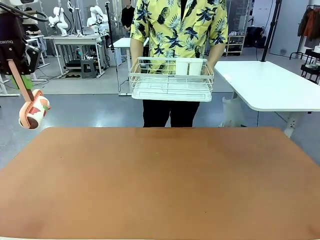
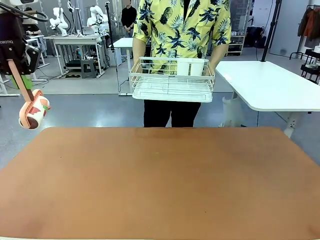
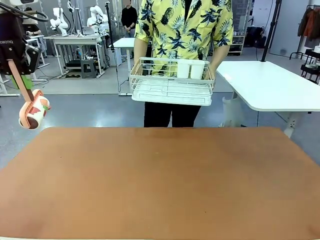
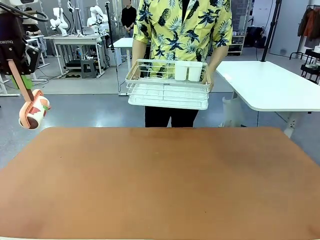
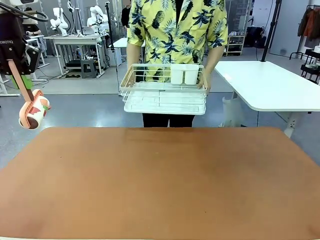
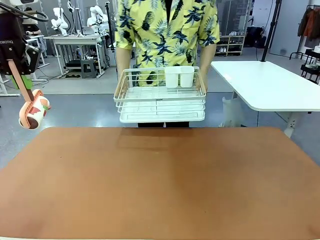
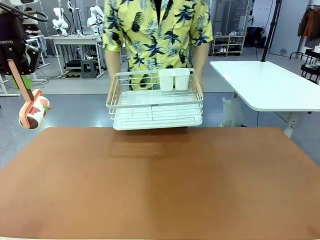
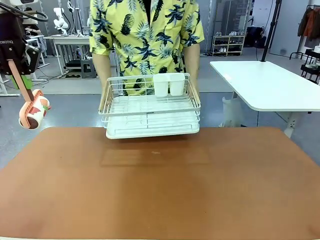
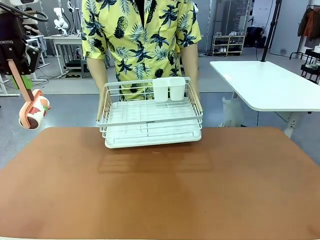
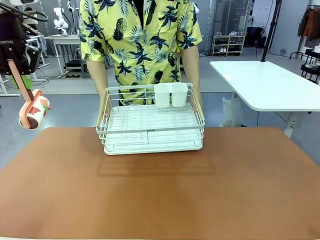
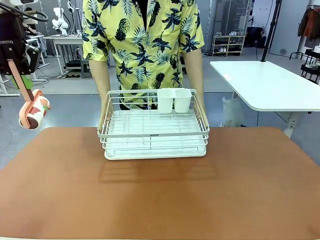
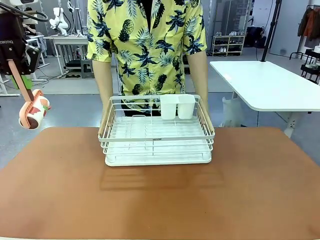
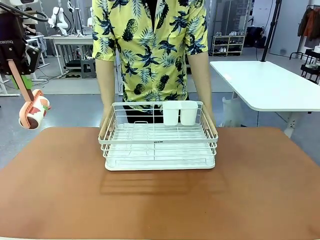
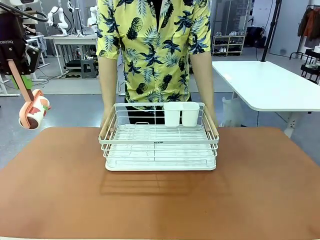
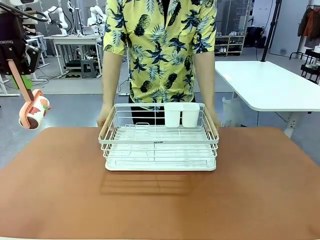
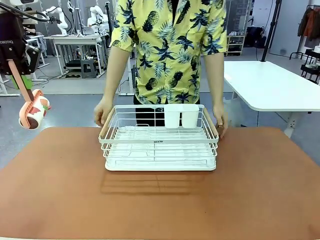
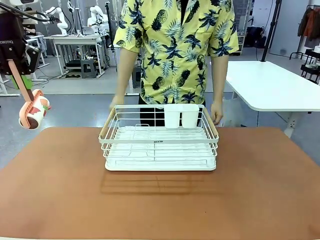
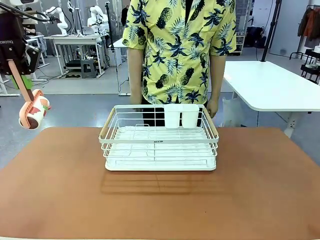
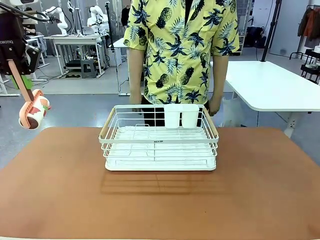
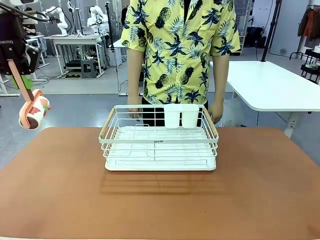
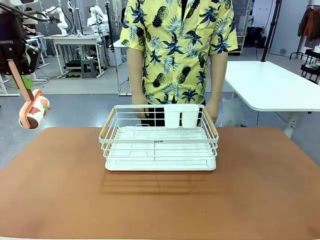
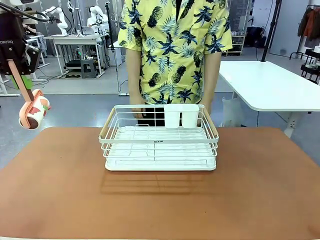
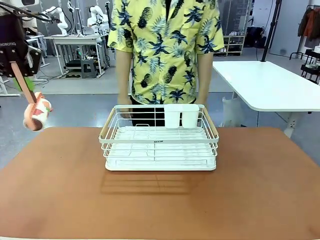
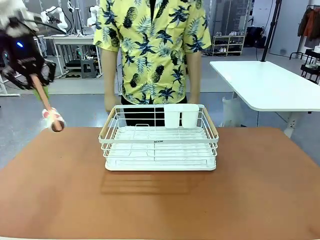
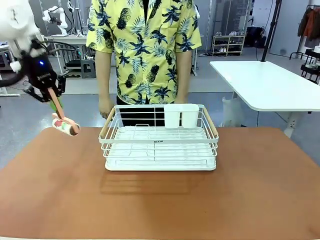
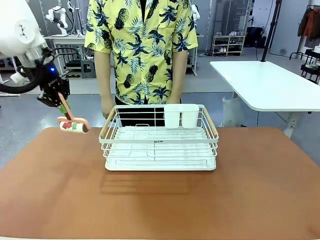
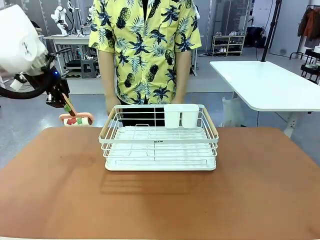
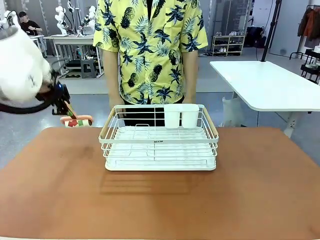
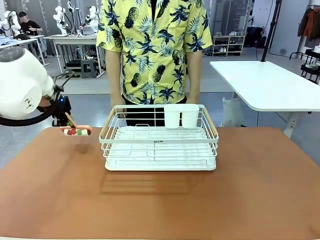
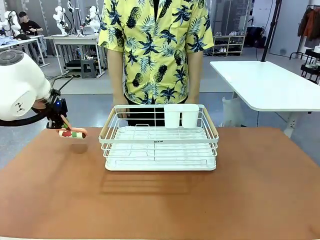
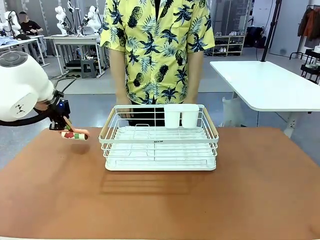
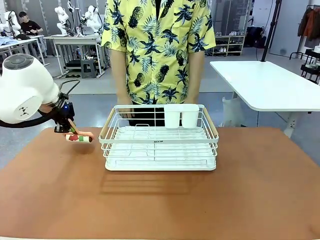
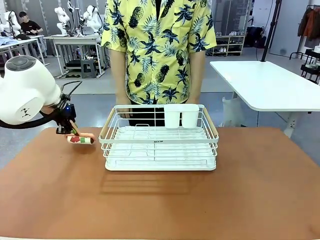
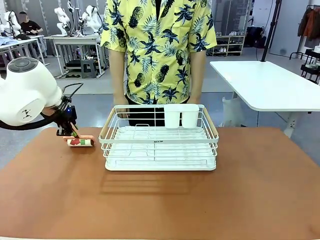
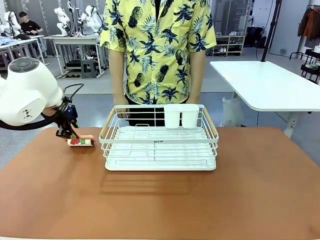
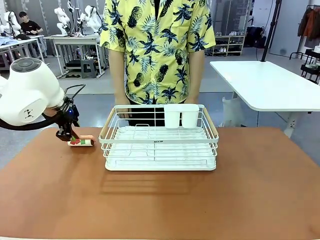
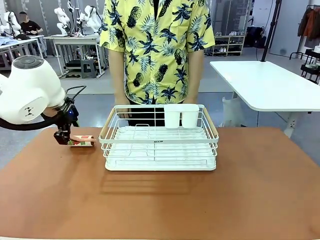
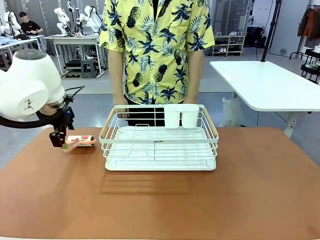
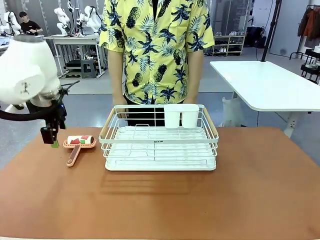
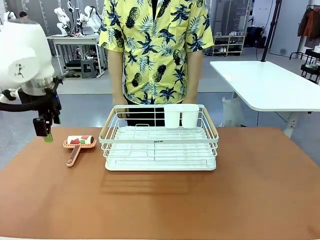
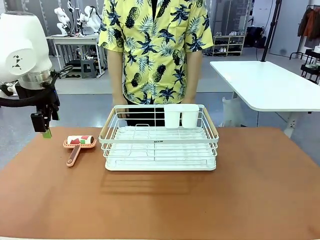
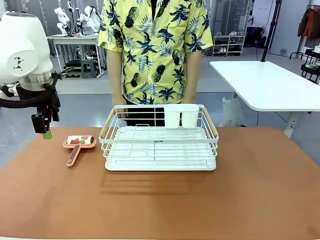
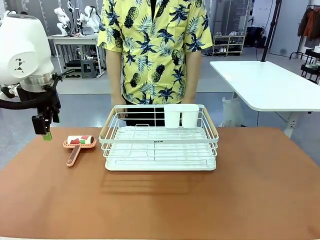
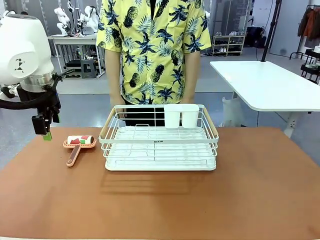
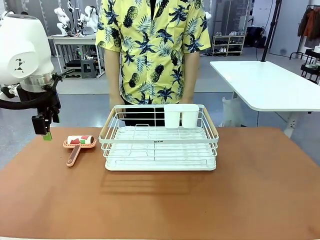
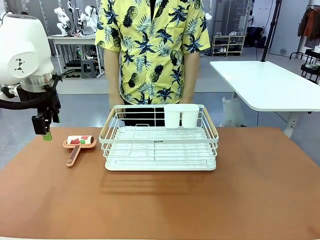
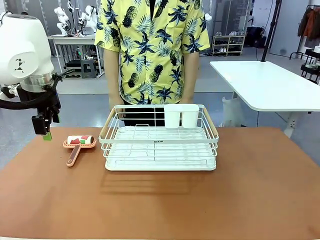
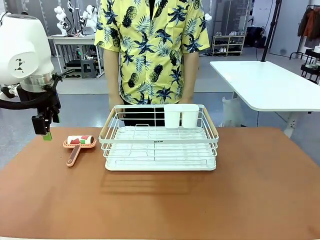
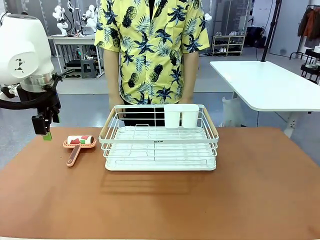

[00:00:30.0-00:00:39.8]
Task: Clean the table.
Robot: Place the Lint Roller down when the Dish drying rack is positioned in the middle of the table.

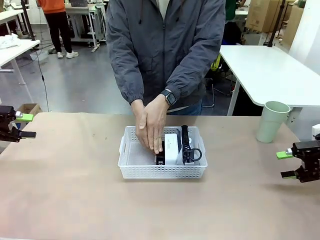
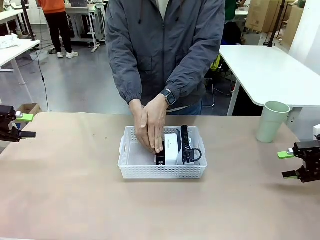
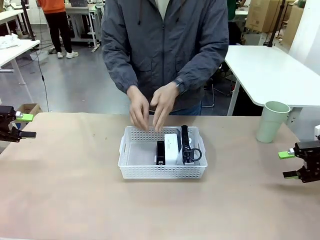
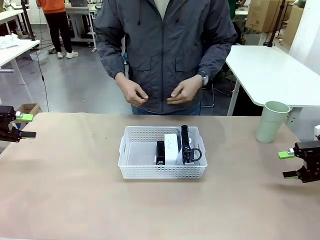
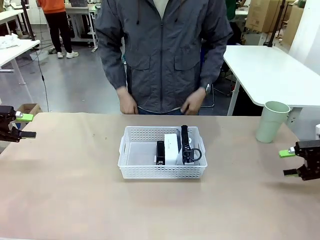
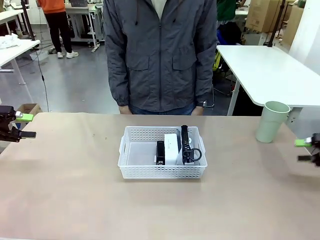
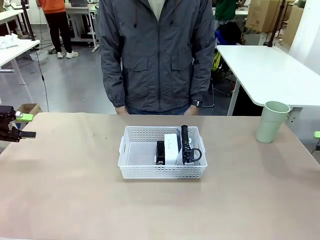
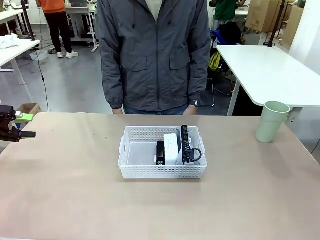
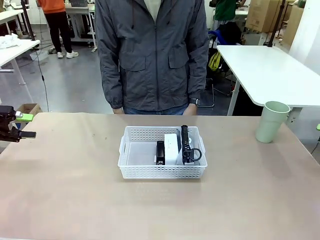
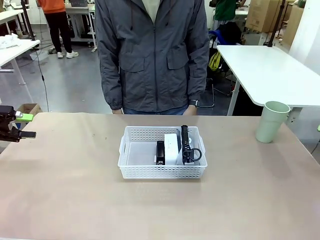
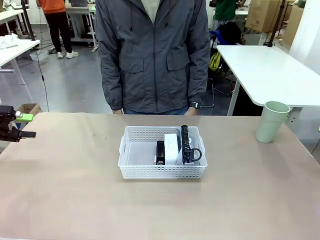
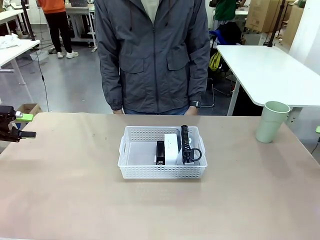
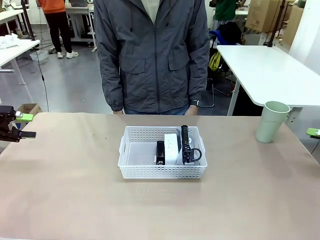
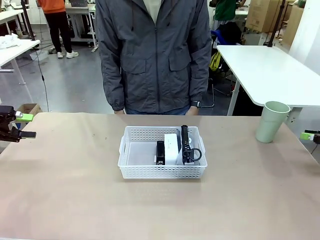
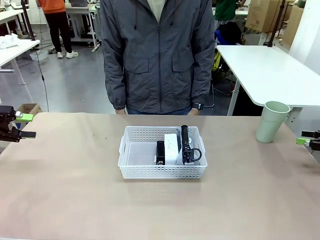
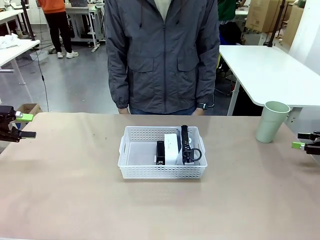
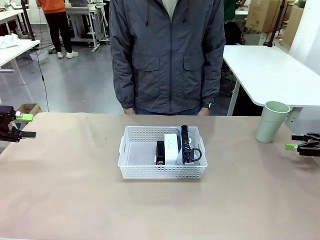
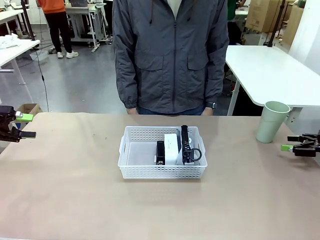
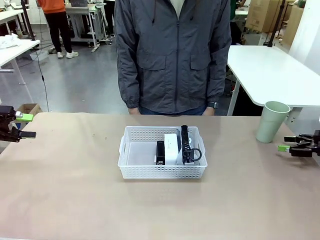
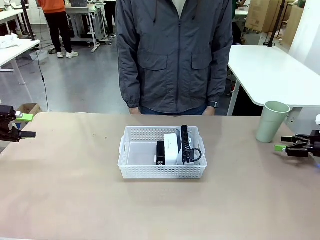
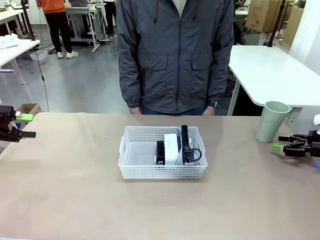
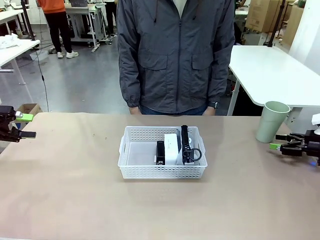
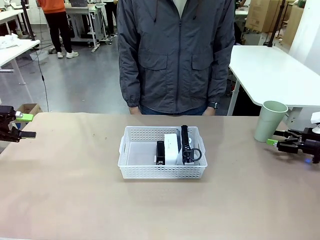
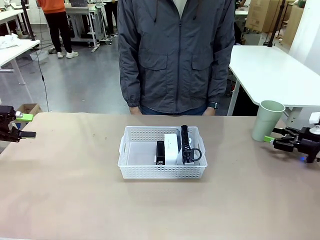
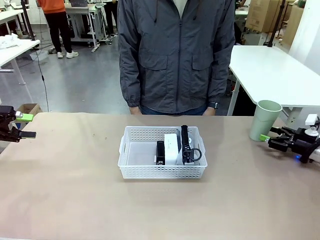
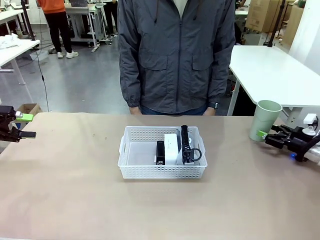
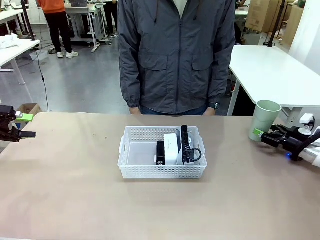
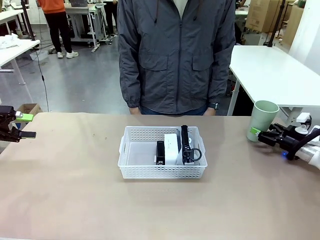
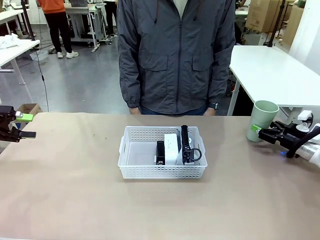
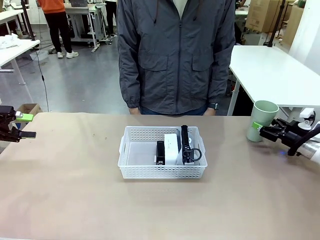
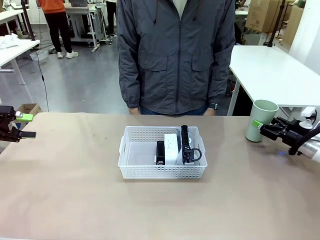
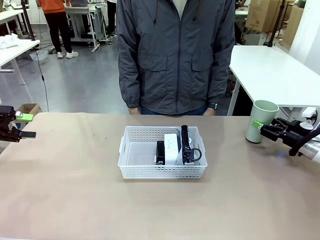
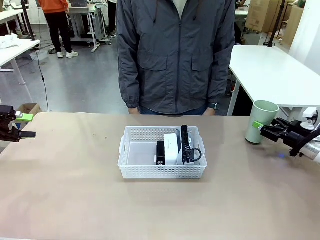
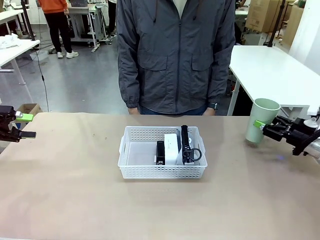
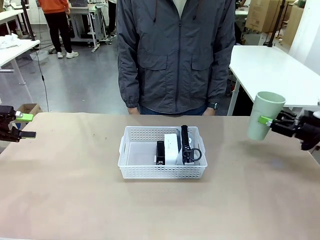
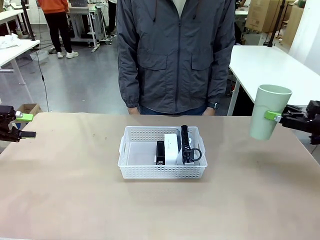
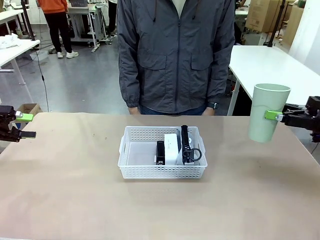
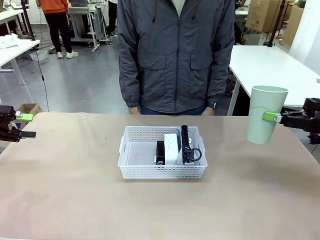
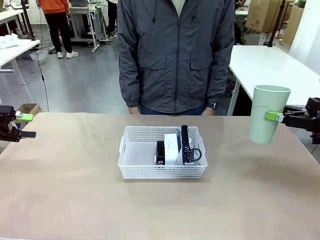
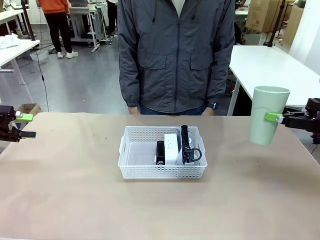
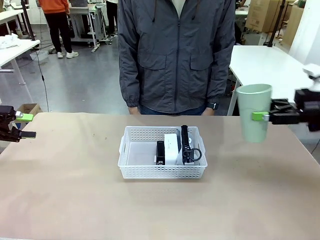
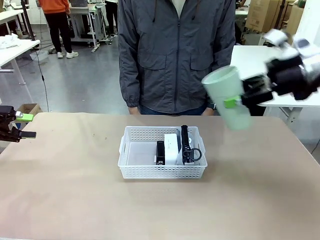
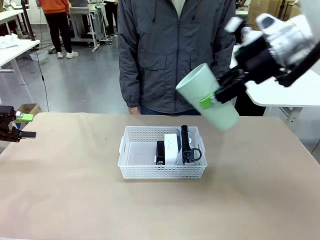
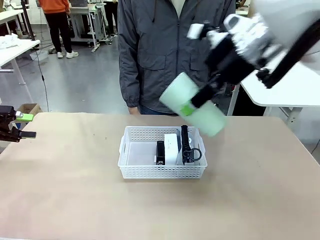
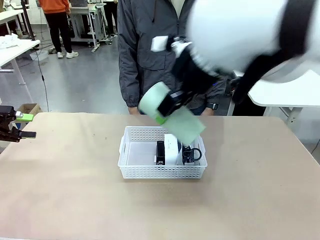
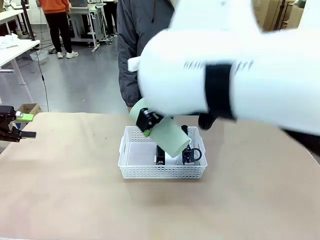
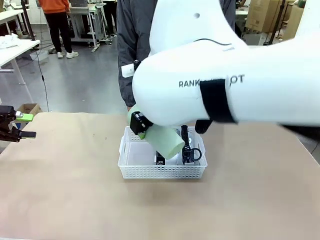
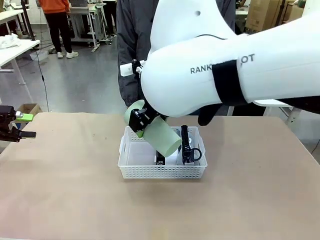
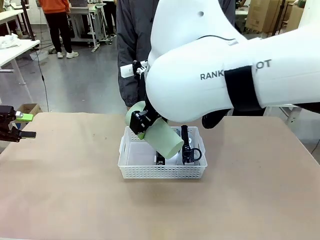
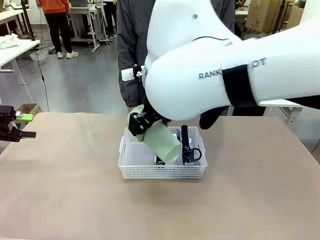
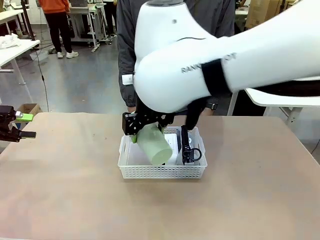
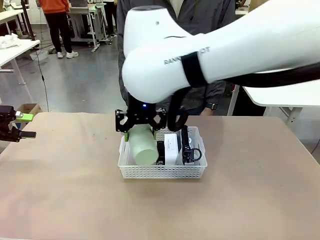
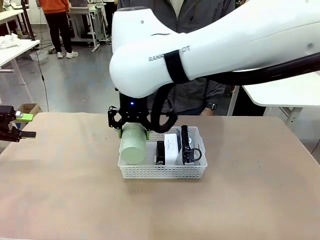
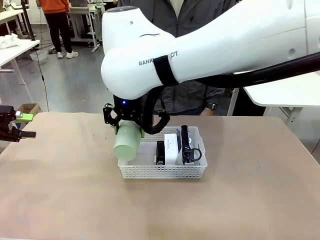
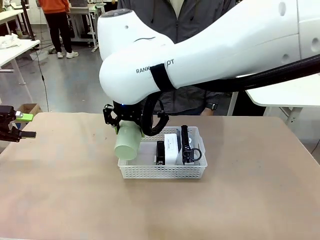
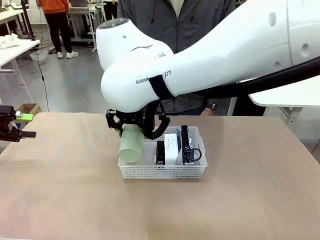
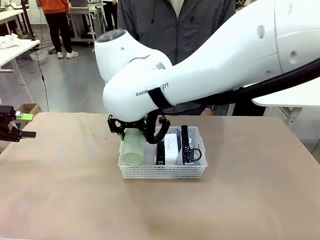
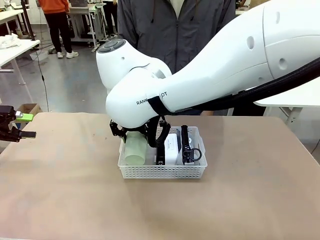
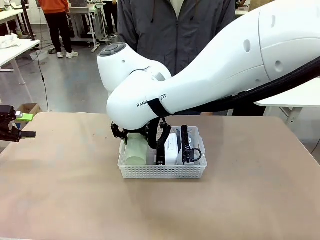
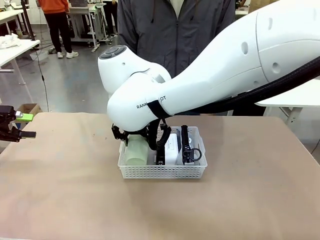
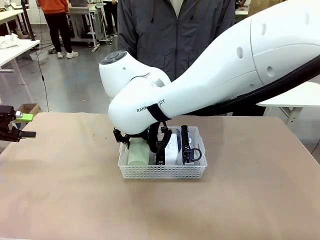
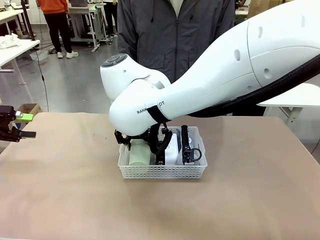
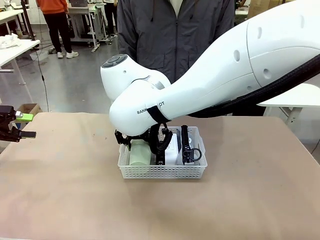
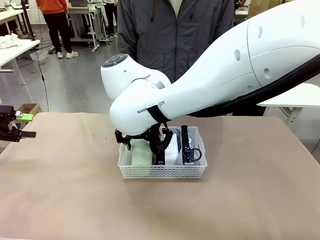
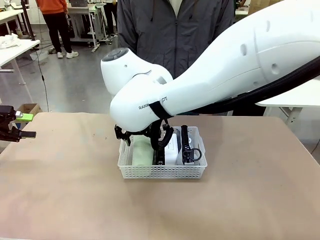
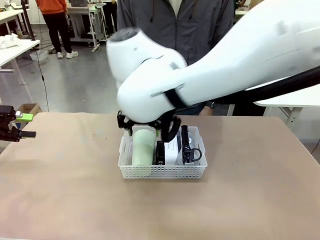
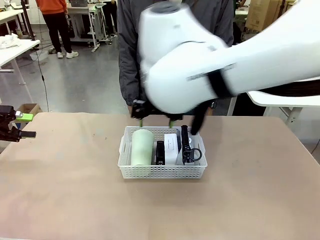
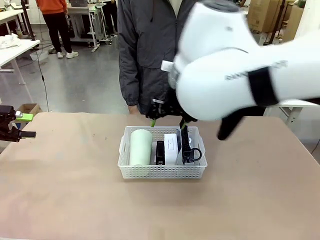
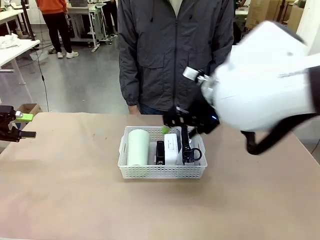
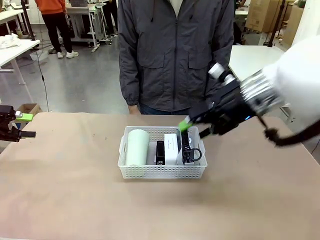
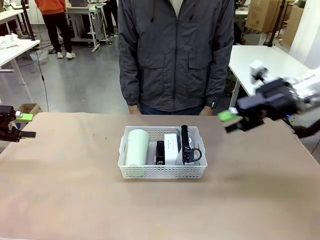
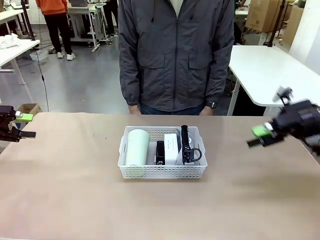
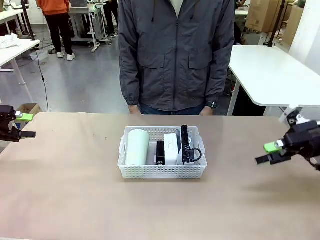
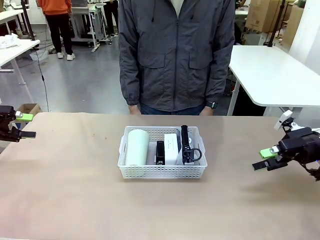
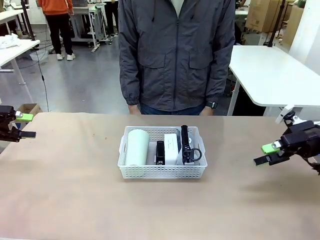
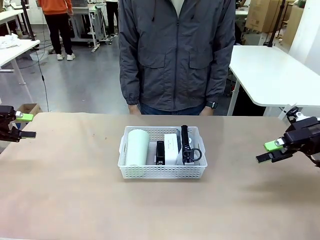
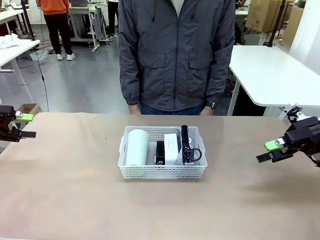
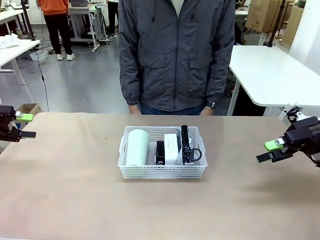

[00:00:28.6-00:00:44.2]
Task: Efficiently arrange items inside the basket to fit them all.
Robot: Pick up the Reusable plastic cup and place it inside the Organizing basket.
Person: Repositions the stapler.
